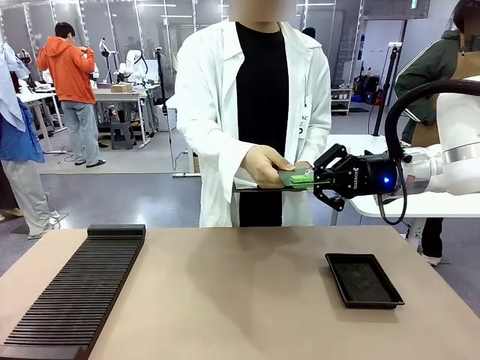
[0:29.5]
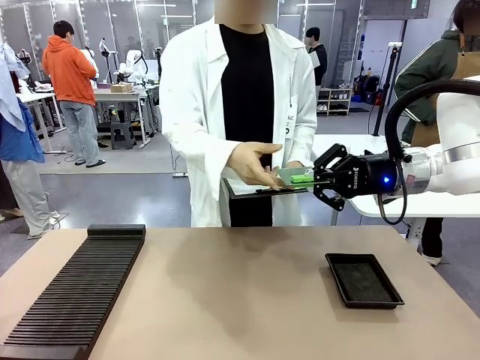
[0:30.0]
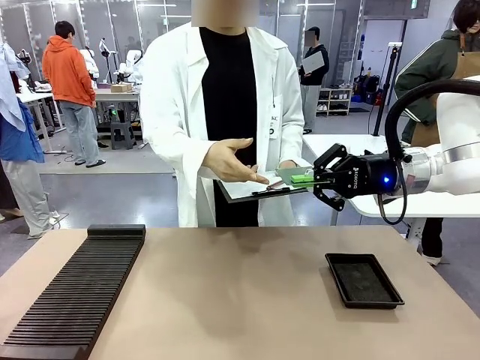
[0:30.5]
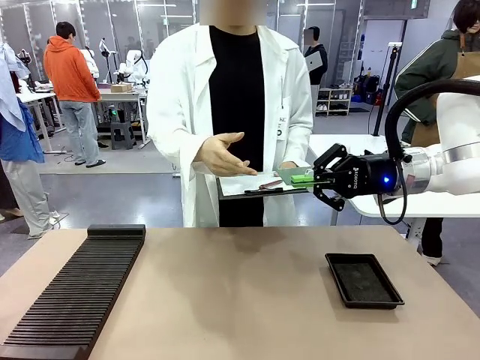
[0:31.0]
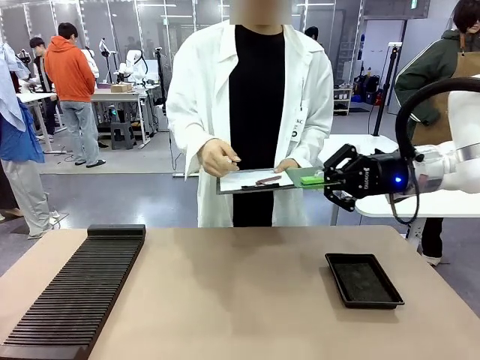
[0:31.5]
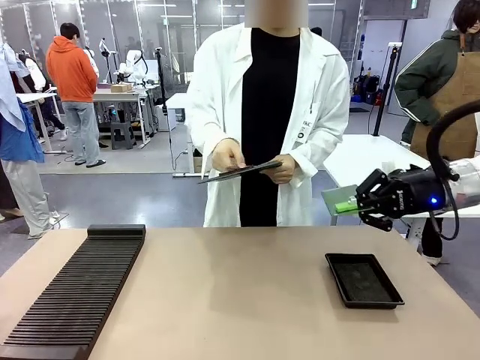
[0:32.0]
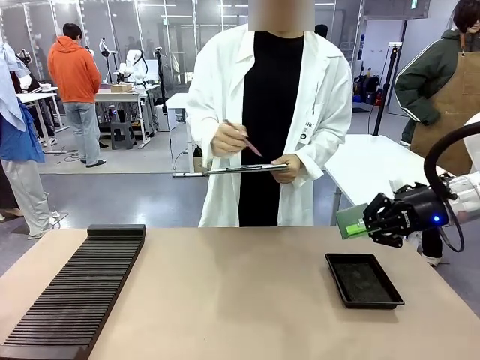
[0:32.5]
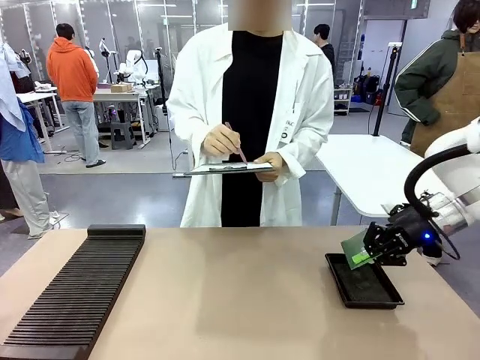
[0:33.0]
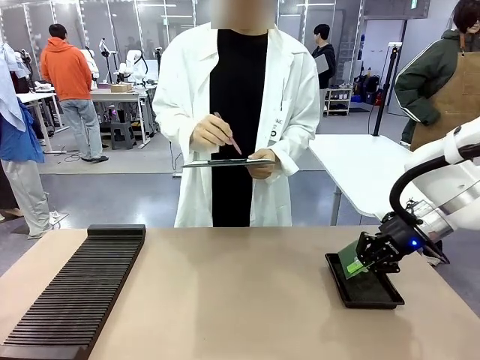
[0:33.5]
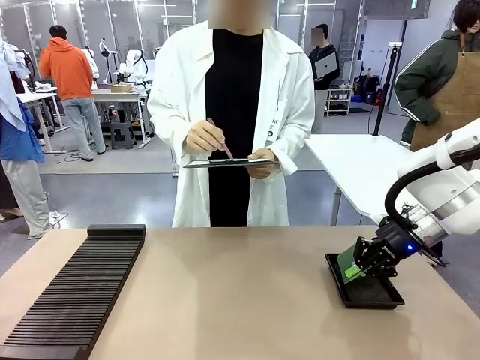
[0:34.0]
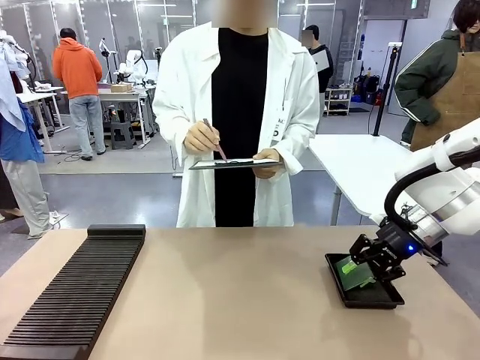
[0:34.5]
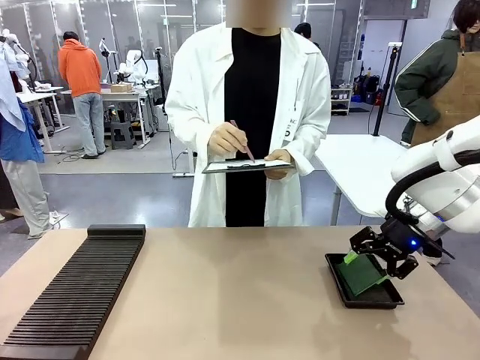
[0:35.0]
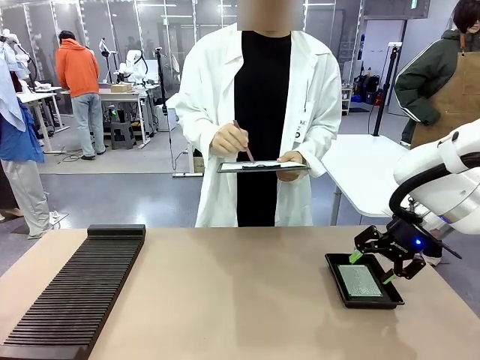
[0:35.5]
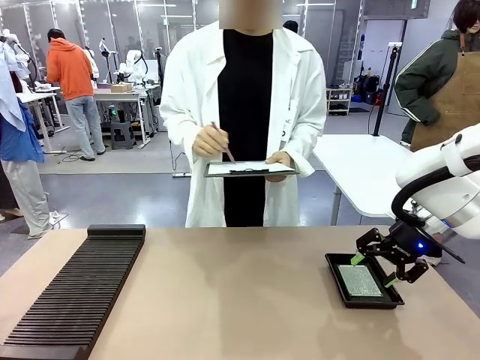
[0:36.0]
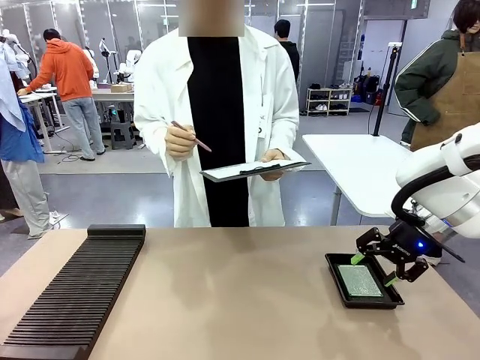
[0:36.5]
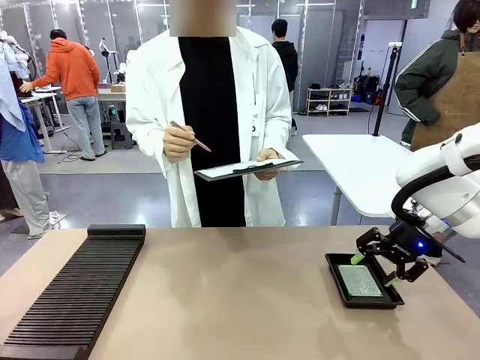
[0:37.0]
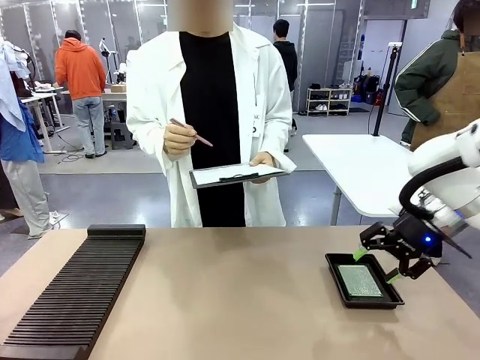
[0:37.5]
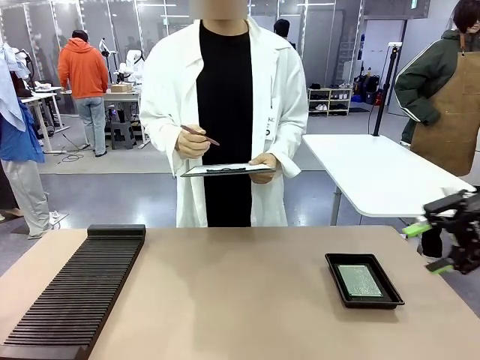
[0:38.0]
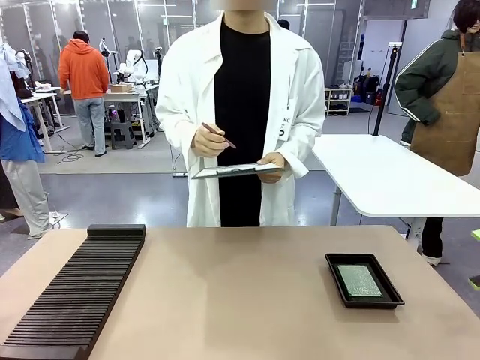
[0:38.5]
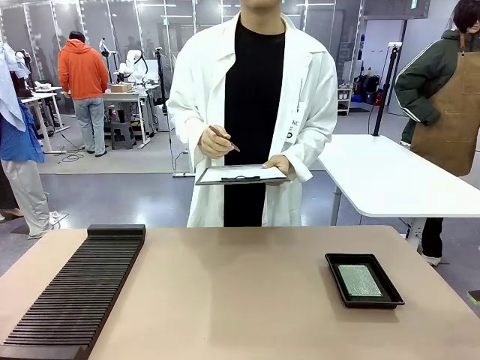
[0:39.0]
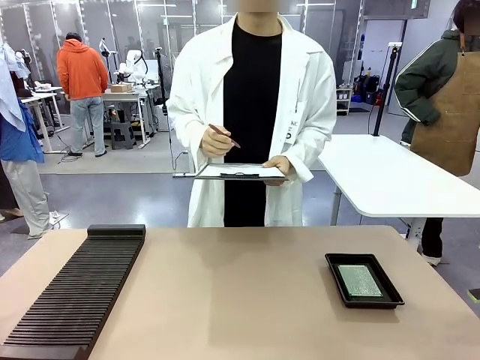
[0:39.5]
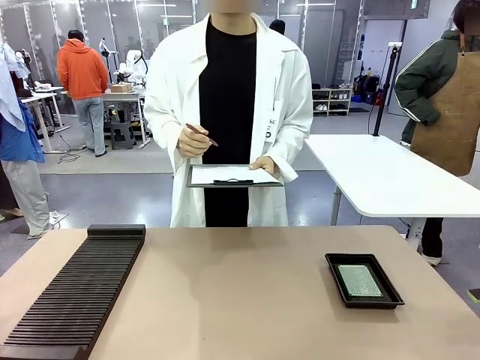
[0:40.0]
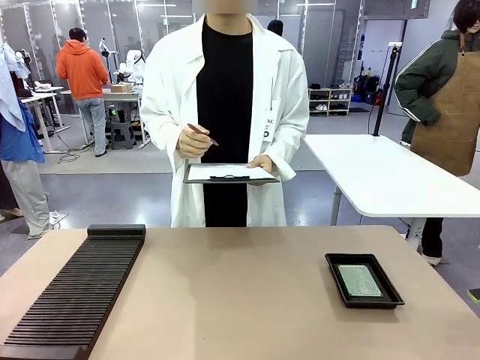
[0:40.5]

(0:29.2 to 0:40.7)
Task: Inspect the PCB.
Robot: Place the Blank PCB in the ESD tray.
Person: Record the PCB status on the paper.

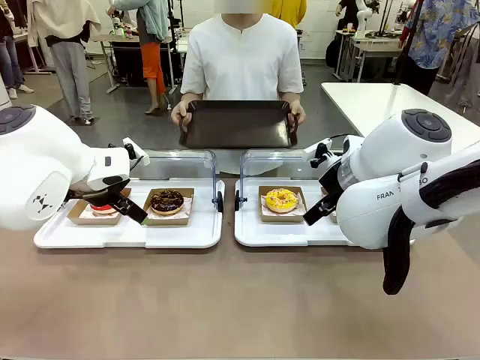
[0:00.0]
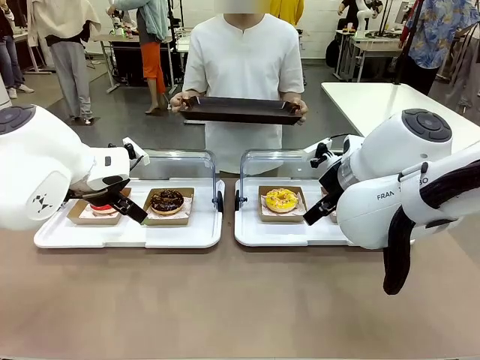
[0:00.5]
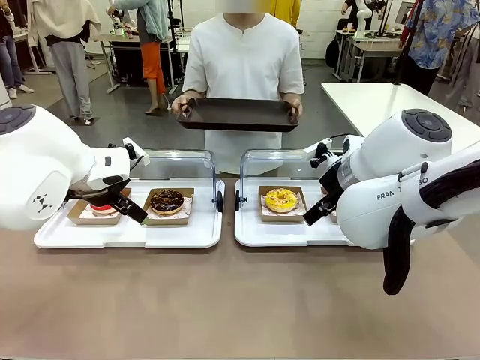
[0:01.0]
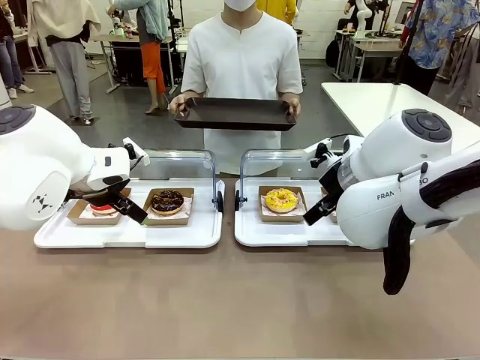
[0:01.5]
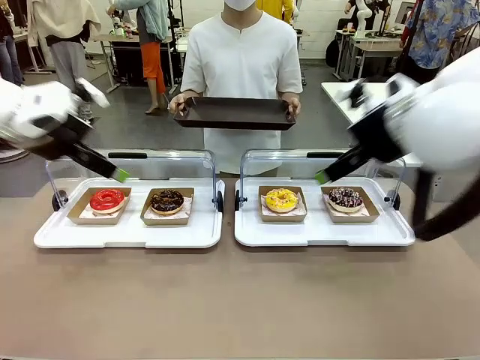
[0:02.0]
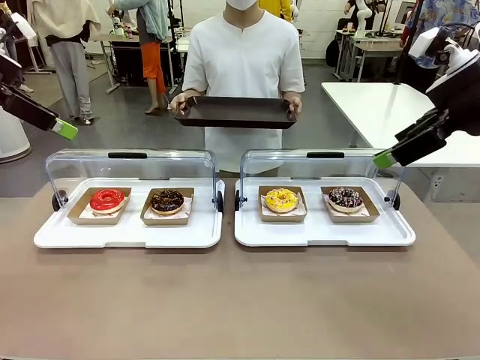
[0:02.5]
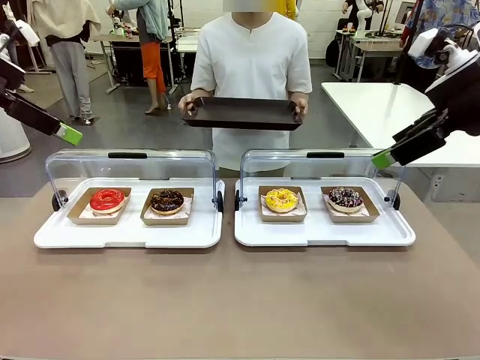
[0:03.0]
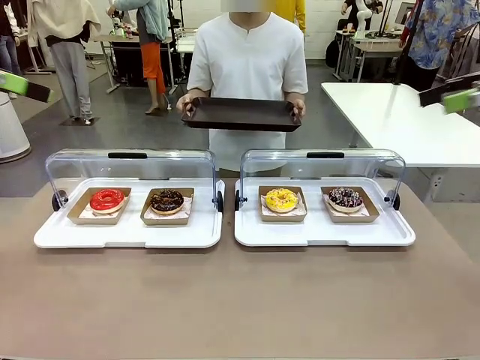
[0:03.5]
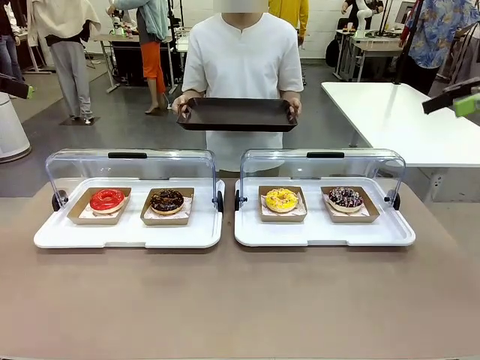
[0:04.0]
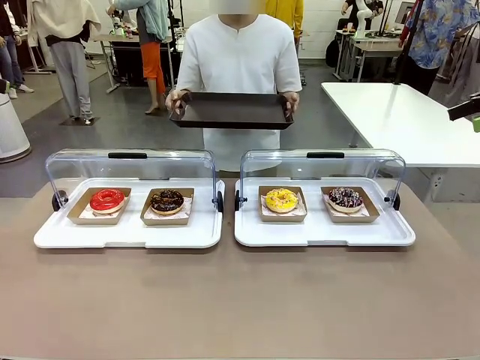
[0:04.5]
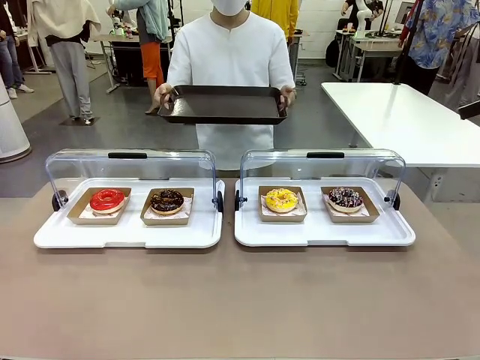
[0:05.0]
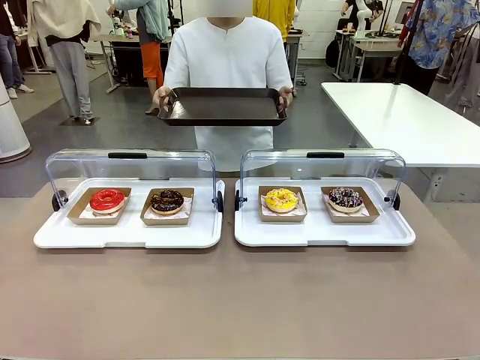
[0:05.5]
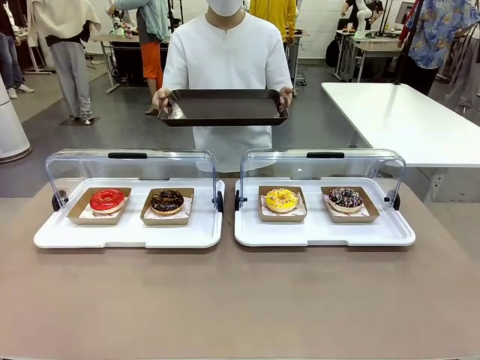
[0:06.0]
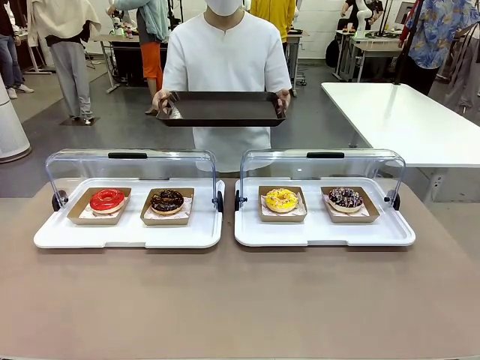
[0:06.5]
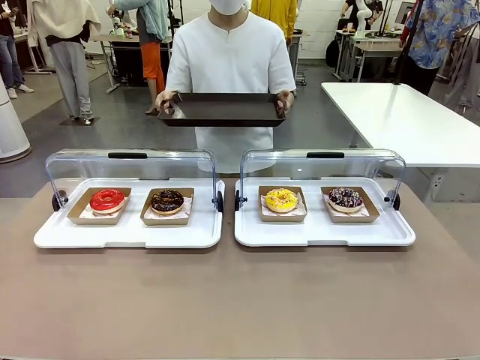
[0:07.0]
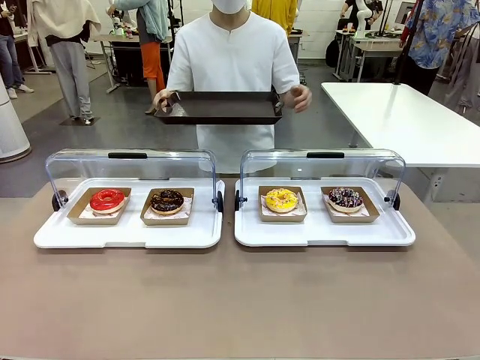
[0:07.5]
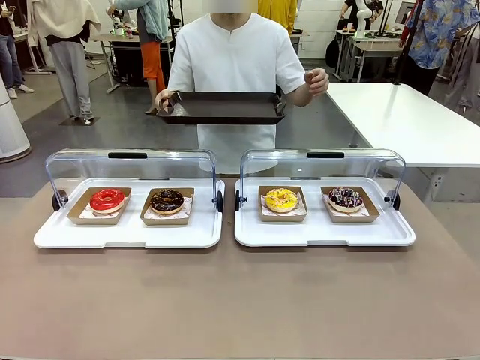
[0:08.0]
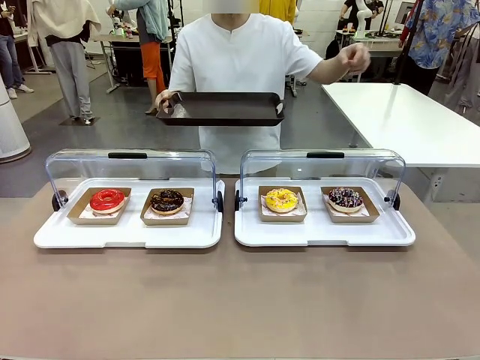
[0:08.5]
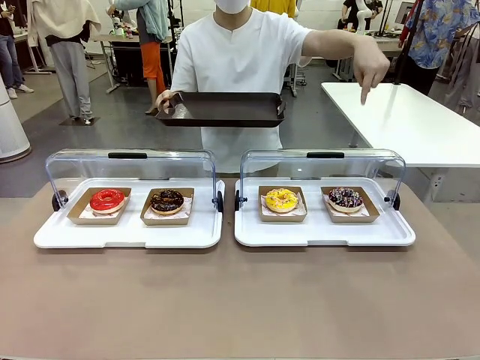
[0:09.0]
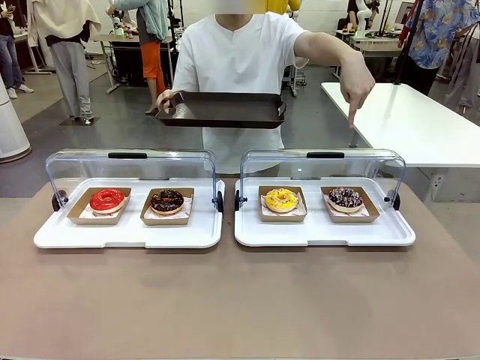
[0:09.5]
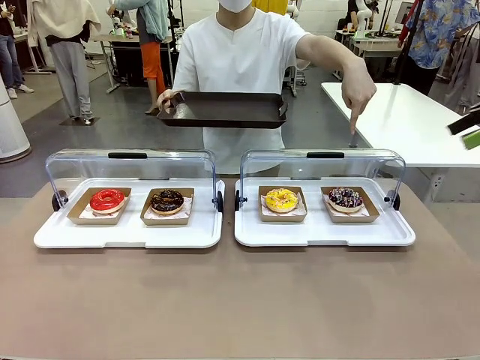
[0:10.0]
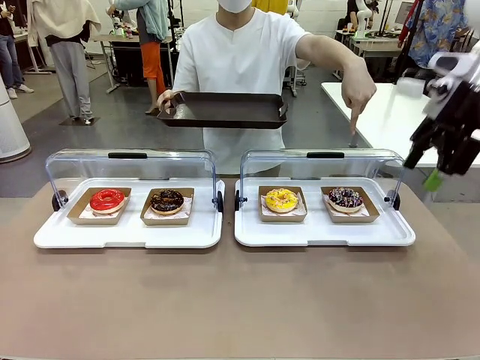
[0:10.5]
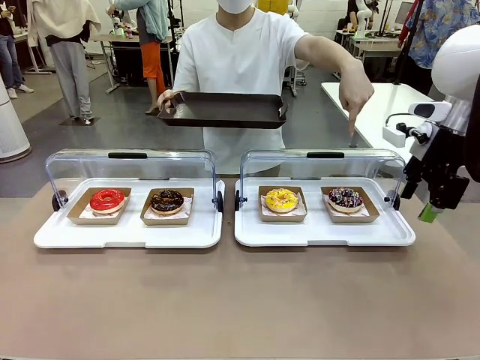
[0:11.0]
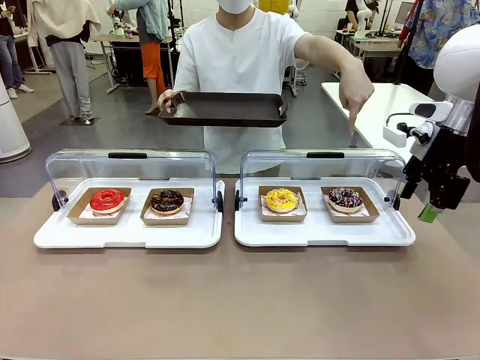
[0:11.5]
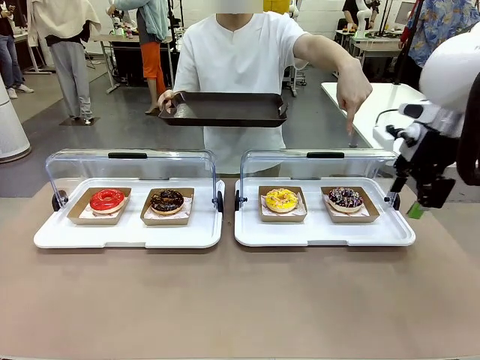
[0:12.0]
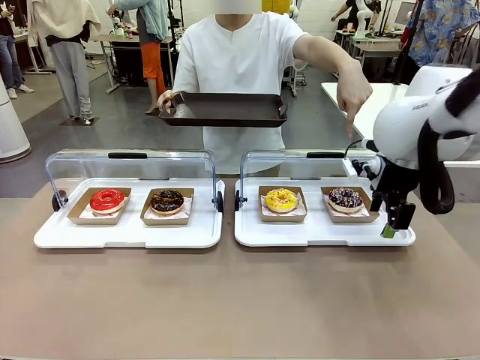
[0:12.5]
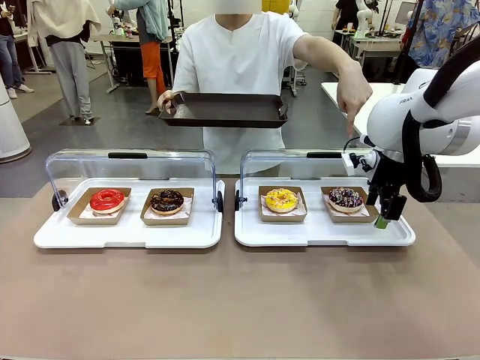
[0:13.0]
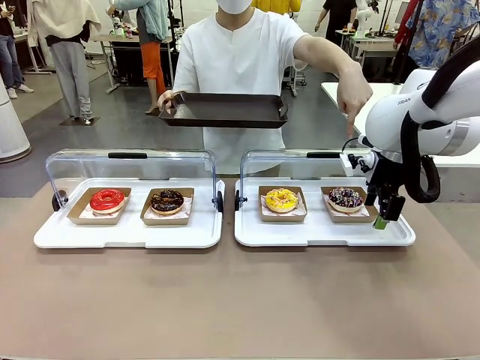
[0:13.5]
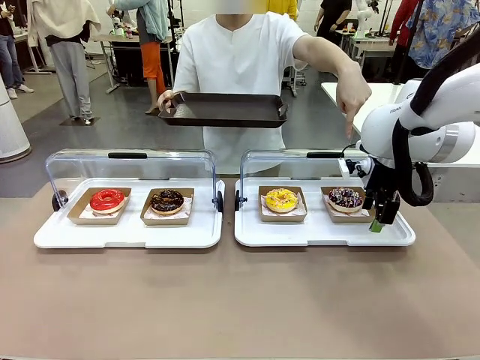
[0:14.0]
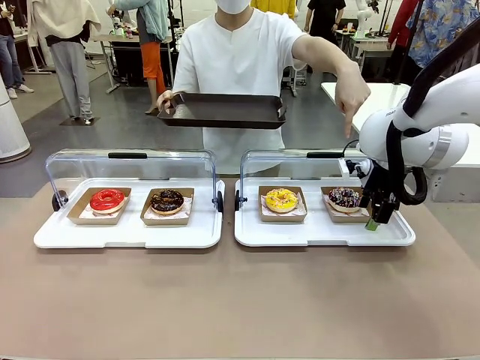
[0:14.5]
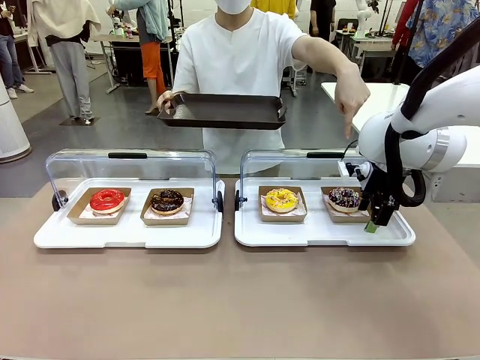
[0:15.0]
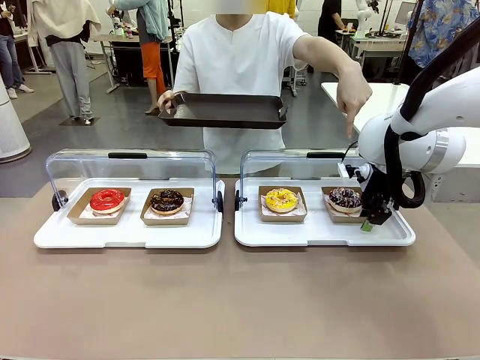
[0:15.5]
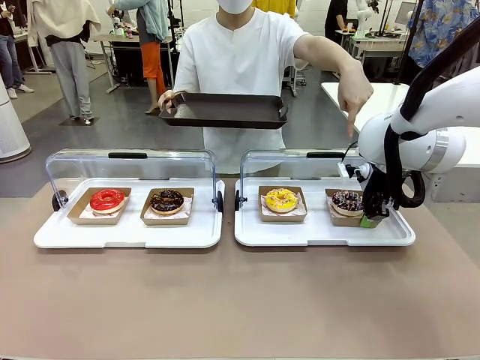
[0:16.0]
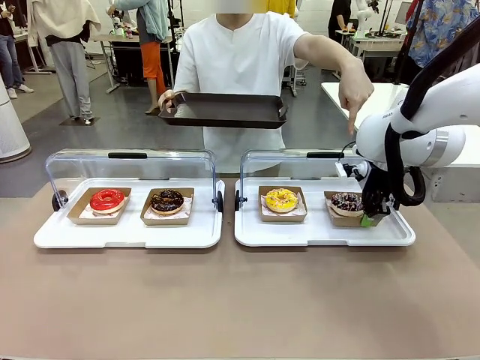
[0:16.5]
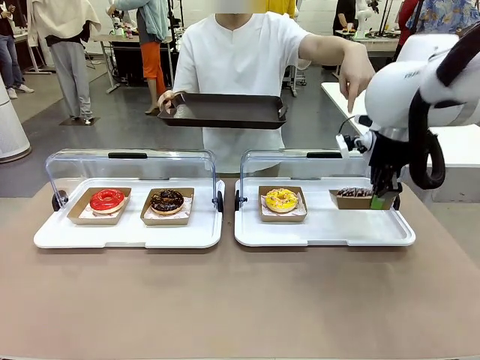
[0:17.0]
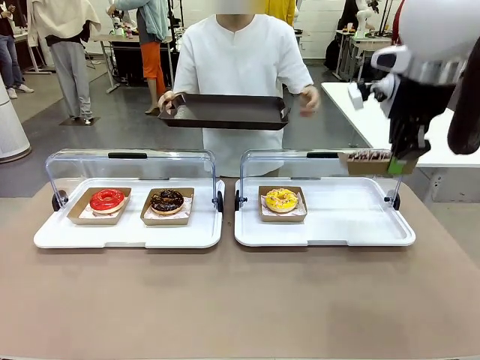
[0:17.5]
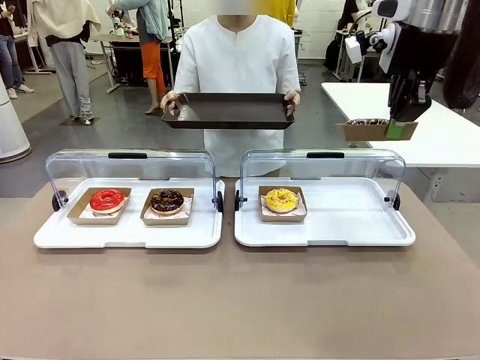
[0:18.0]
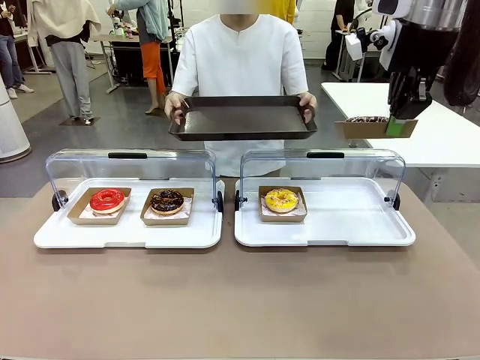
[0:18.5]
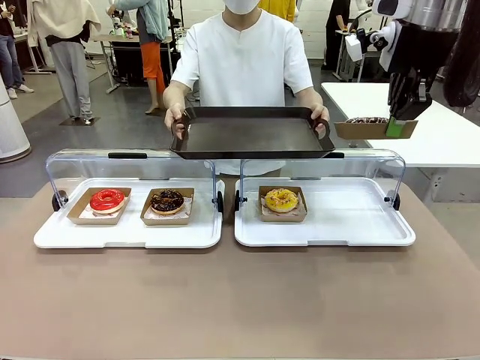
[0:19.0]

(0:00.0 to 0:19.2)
Task: Provide the desired donut to the person.
Robot: Pick up and lift the Paper togo box containing the Donut pointed at by the person.
Person: Point to one donut. Lift the tray onto the Roll-Top Bakery Case.
